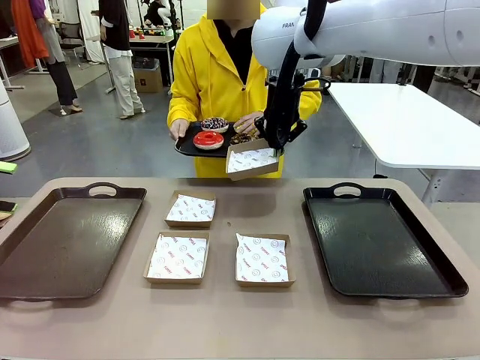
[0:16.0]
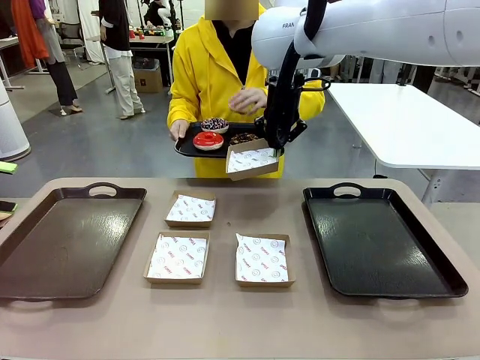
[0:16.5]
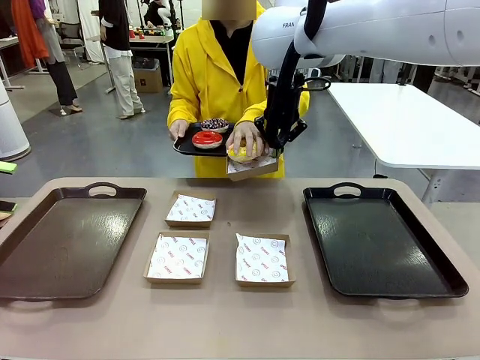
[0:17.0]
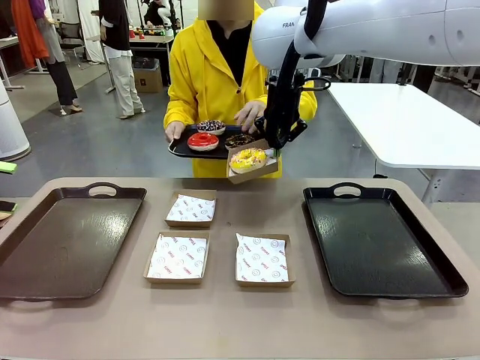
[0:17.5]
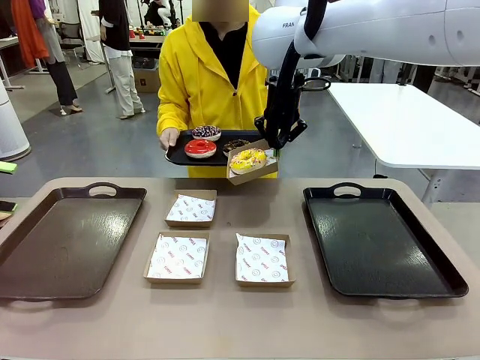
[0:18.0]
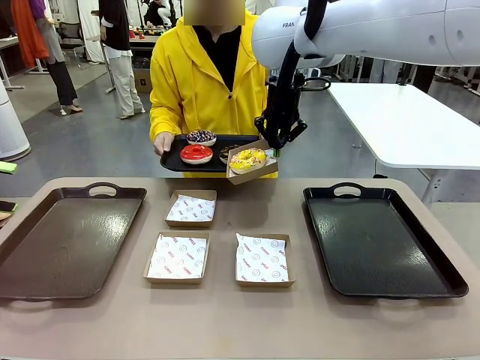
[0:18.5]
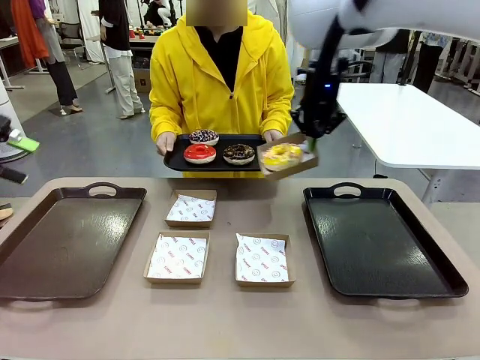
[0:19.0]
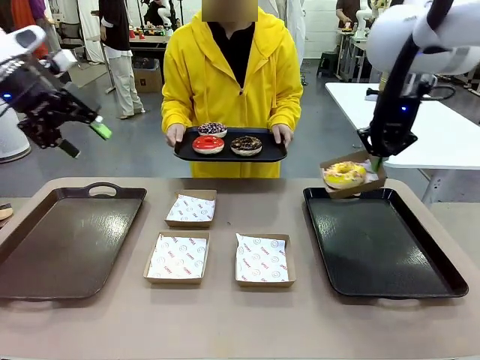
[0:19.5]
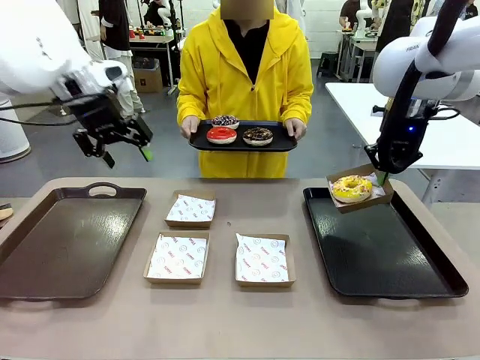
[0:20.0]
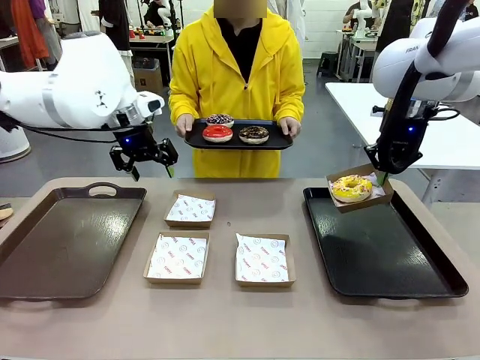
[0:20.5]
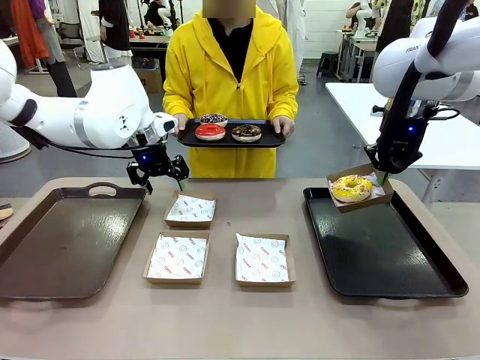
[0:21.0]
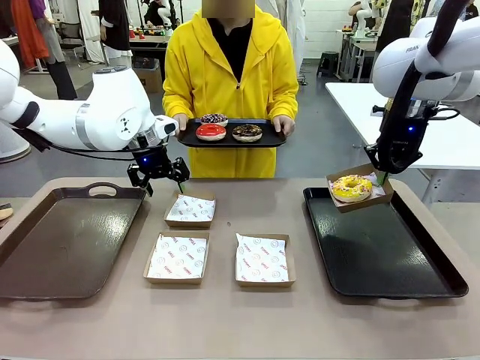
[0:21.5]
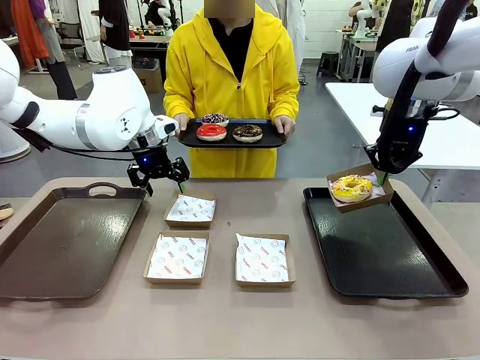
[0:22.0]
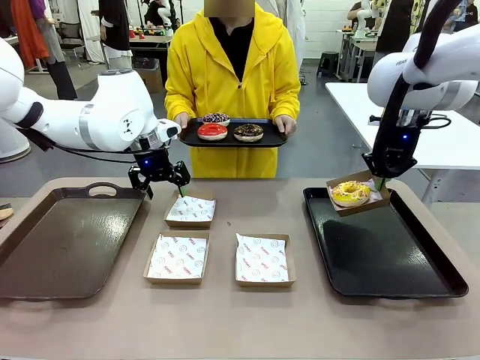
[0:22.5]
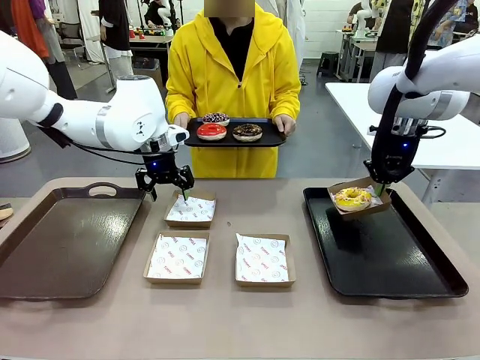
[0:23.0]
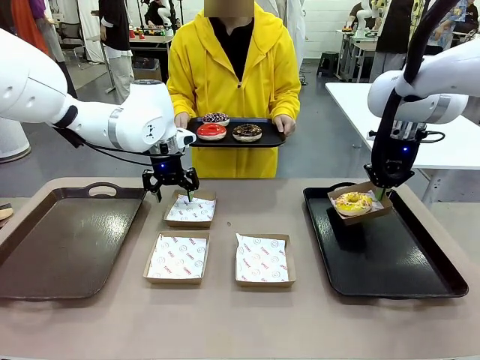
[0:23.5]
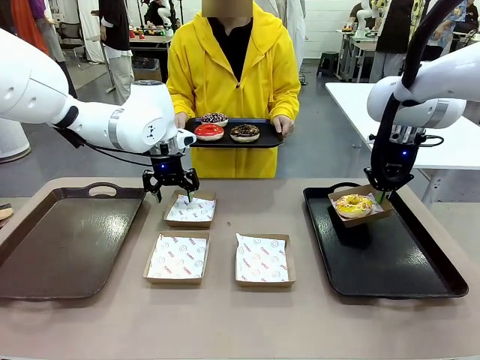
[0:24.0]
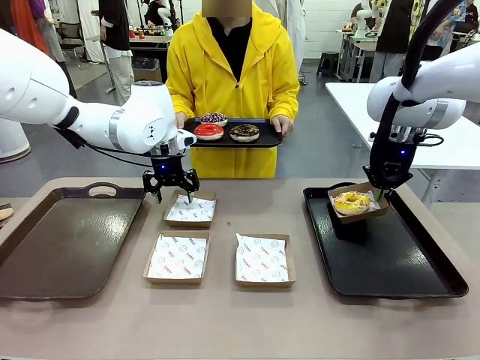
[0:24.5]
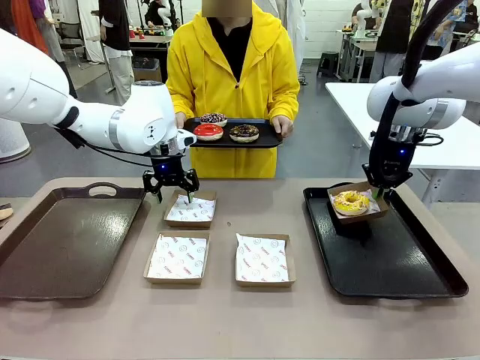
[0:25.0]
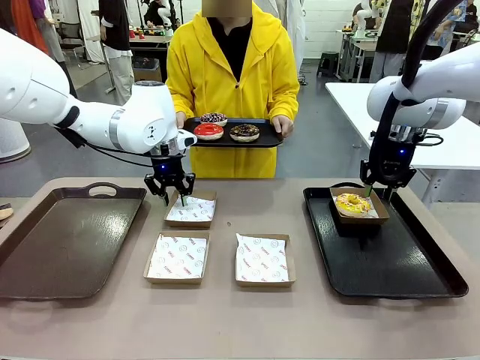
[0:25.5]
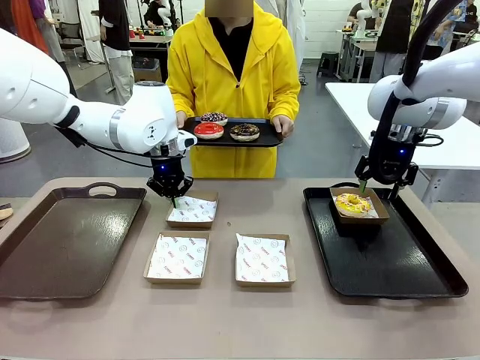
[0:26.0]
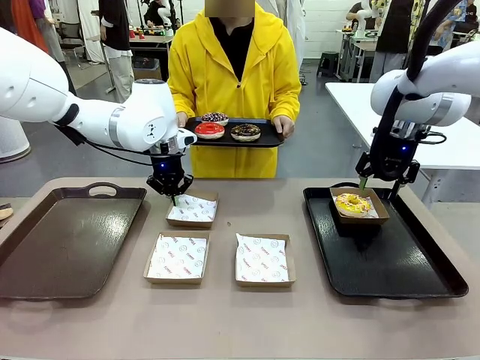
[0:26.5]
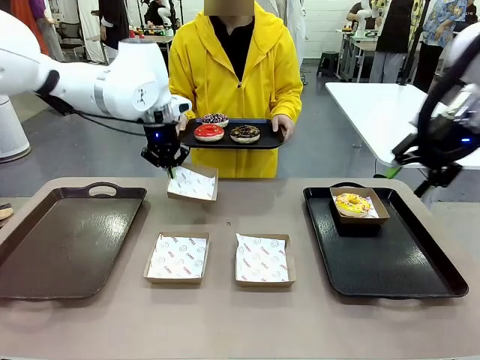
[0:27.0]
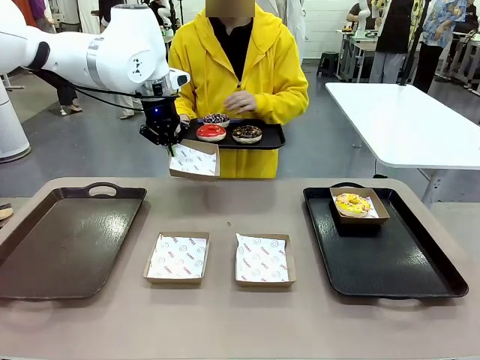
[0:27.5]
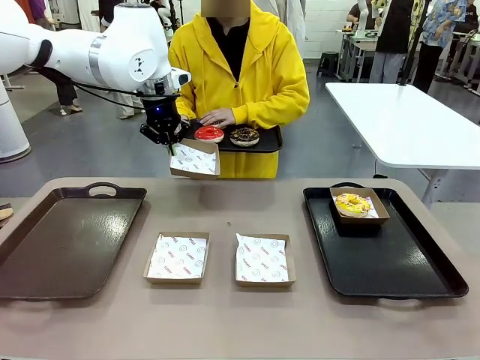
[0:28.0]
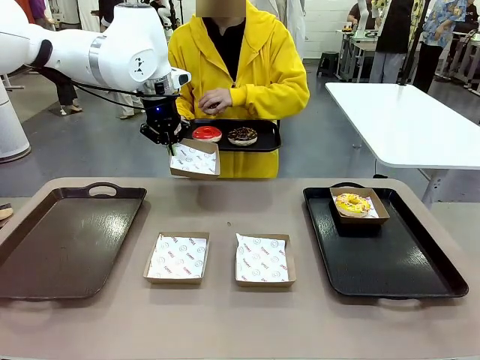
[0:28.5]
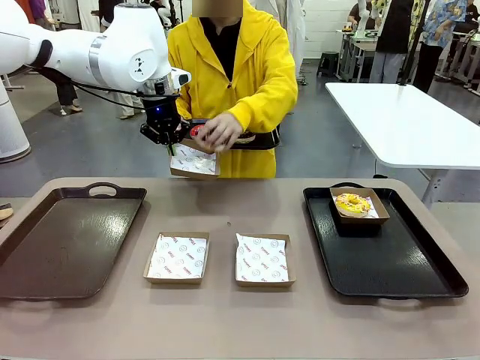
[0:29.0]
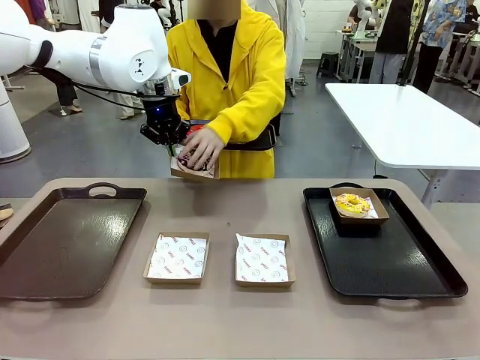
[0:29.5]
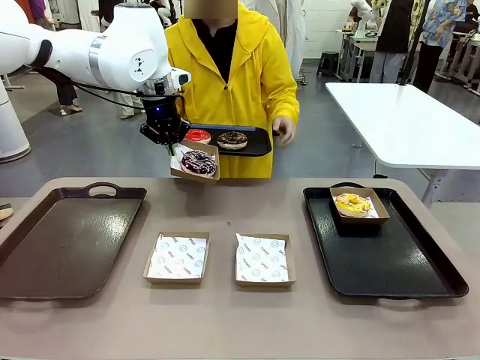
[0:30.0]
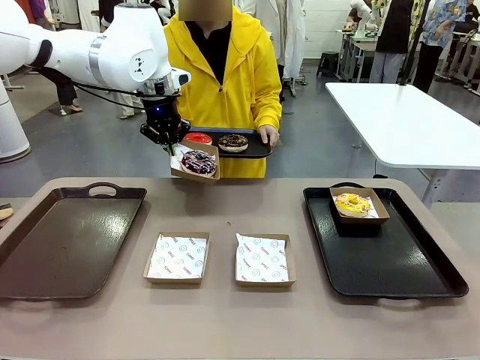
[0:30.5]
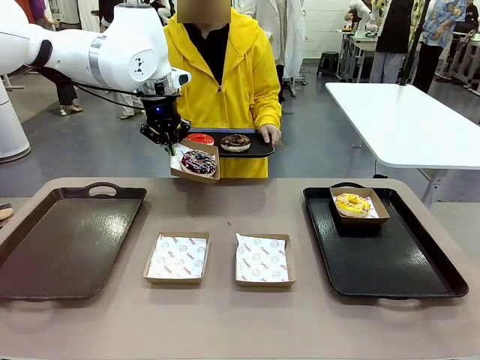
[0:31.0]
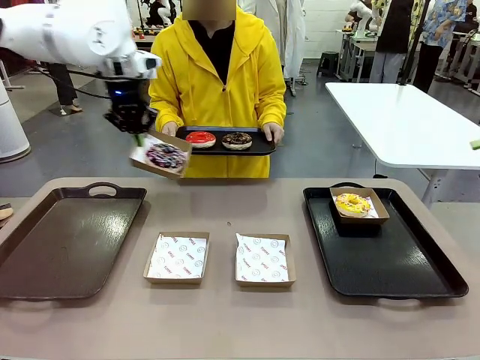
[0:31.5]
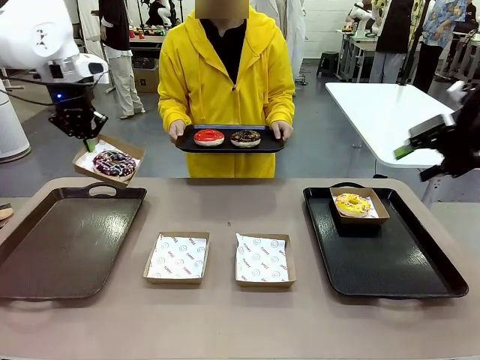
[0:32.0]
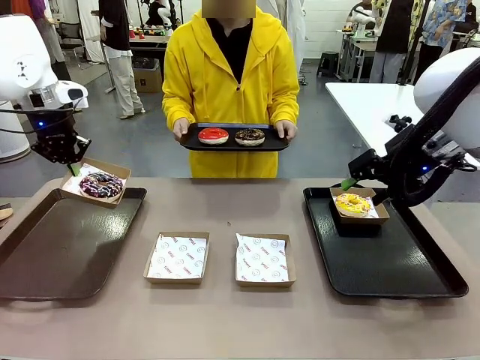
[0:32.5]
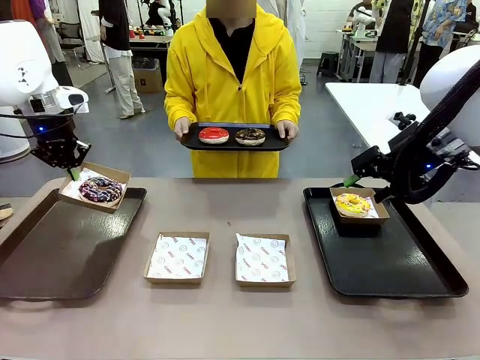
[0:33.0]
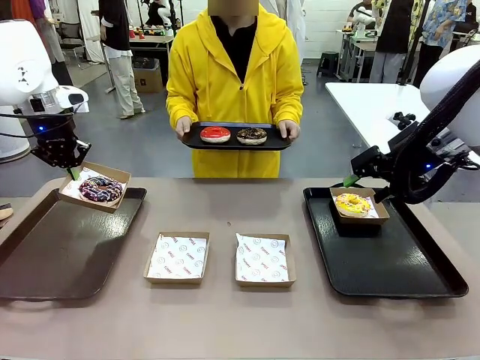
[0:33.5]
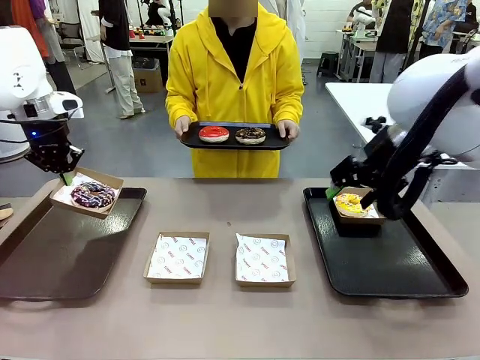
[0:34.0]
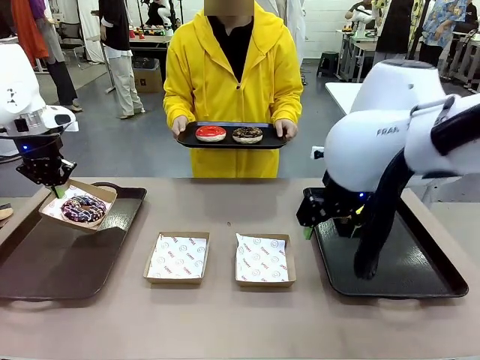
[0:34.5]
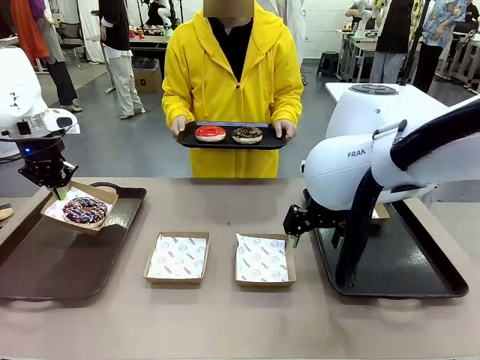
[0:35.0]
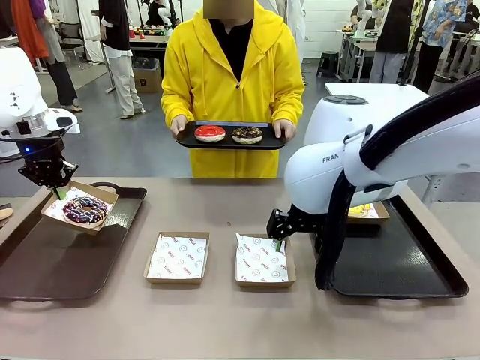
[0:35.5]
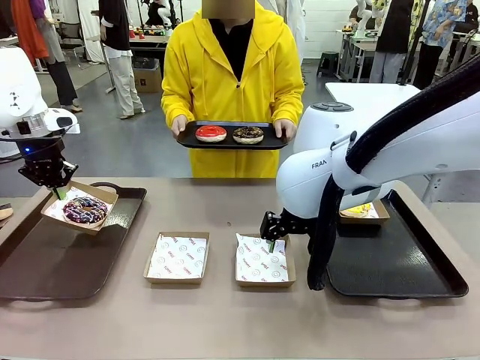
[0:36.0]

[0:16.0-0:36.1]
Task: Individually package the donuts and arrange them on the tray.
Robot: Place the picked Paper togo box on the Handle tray while simultaneously picking up another Paper togo box from the table with the other hand.
